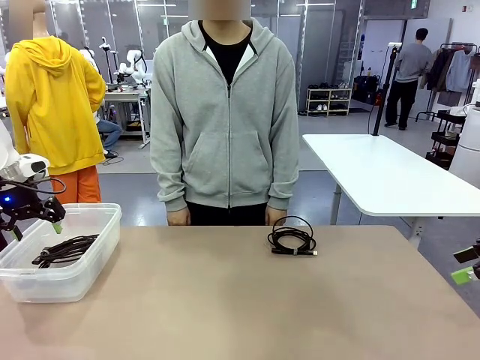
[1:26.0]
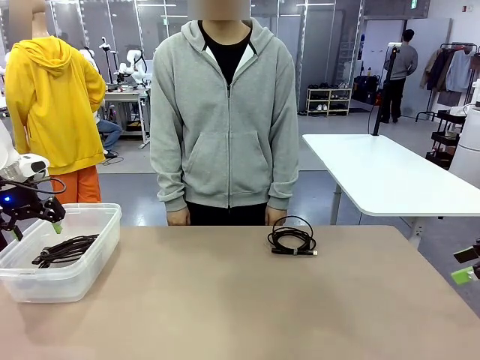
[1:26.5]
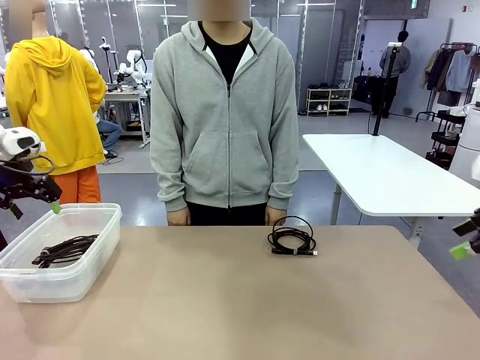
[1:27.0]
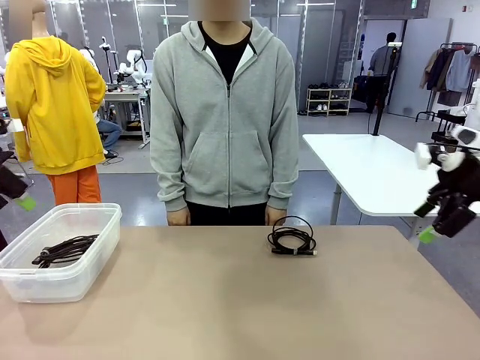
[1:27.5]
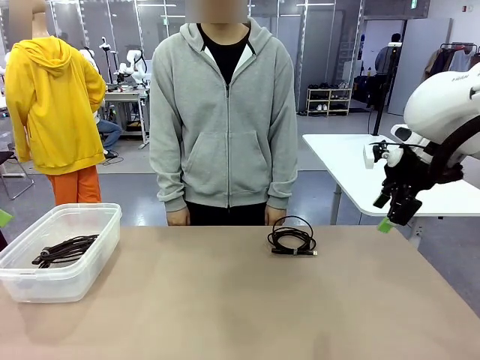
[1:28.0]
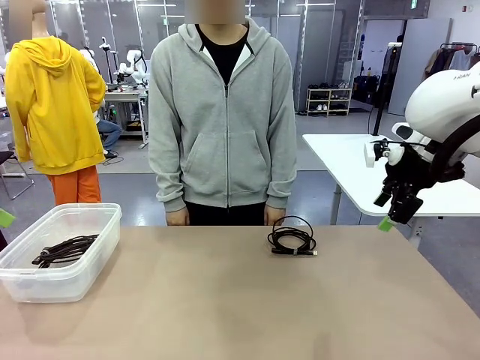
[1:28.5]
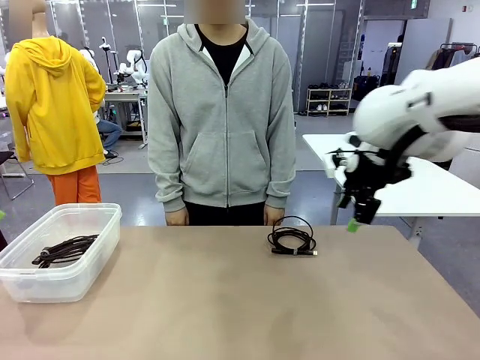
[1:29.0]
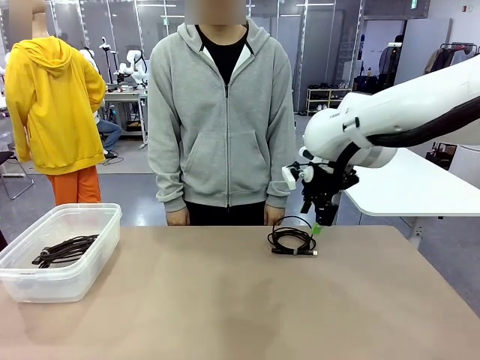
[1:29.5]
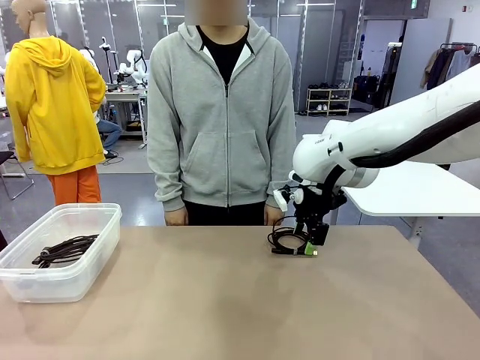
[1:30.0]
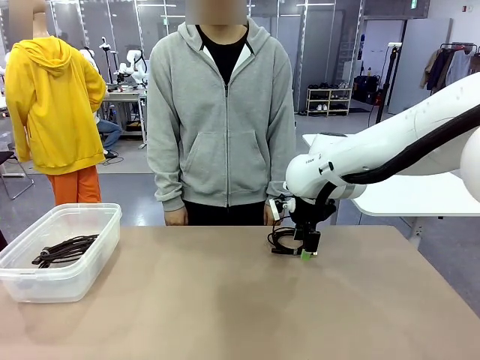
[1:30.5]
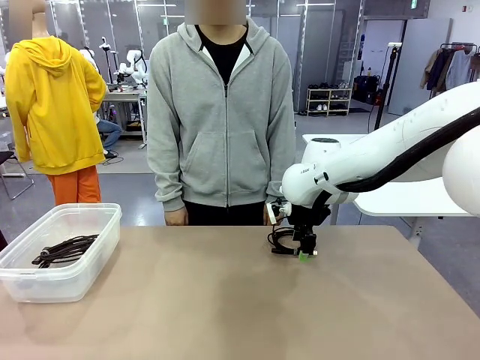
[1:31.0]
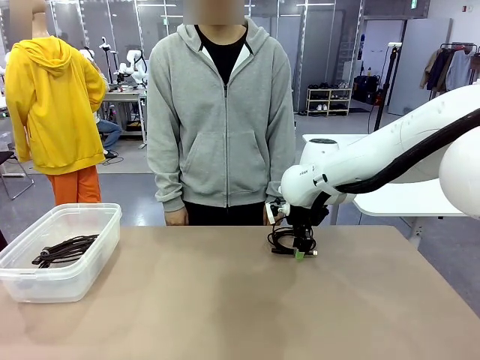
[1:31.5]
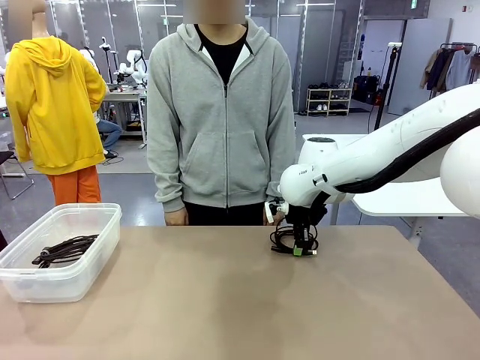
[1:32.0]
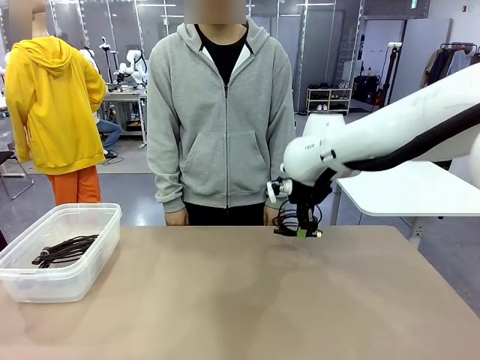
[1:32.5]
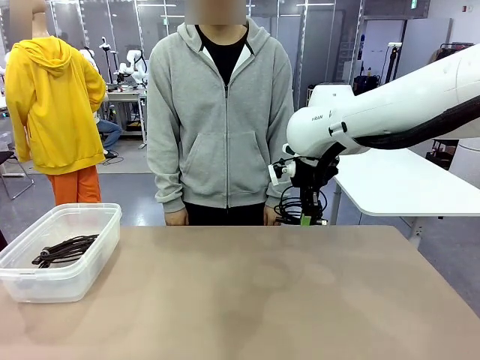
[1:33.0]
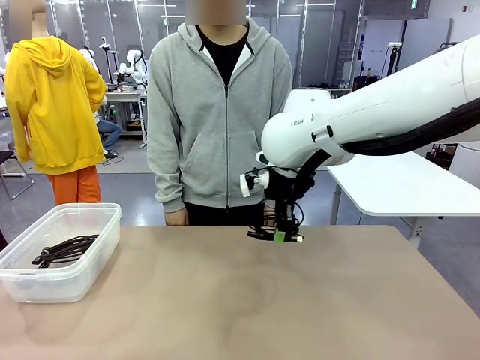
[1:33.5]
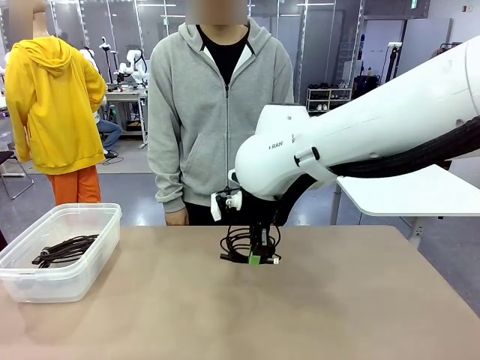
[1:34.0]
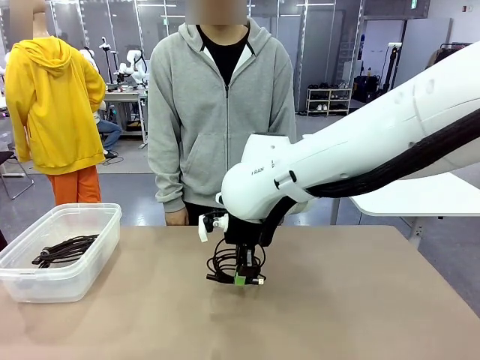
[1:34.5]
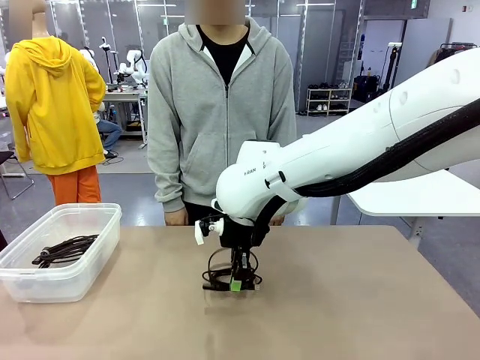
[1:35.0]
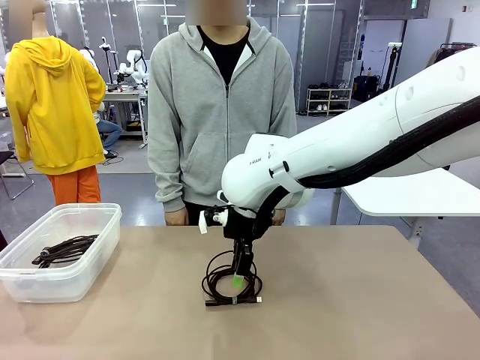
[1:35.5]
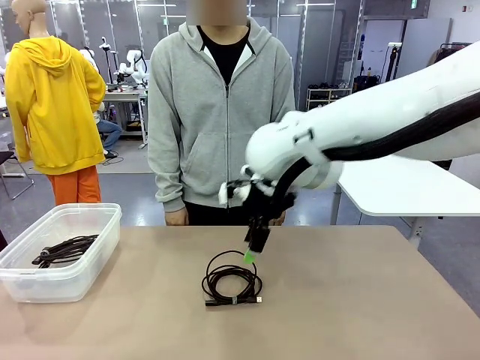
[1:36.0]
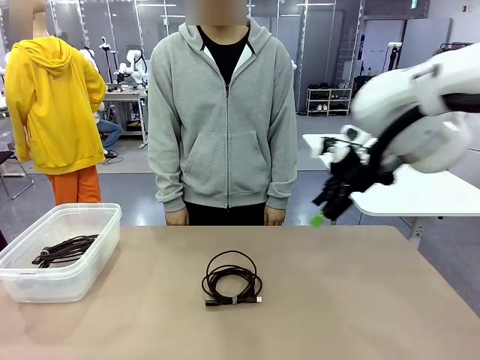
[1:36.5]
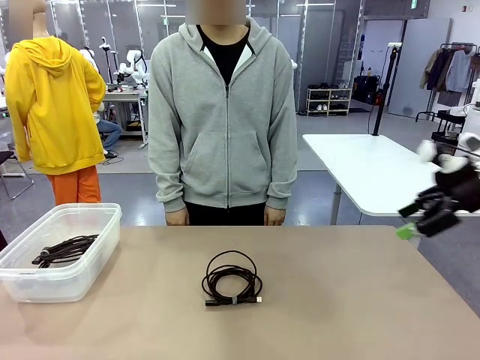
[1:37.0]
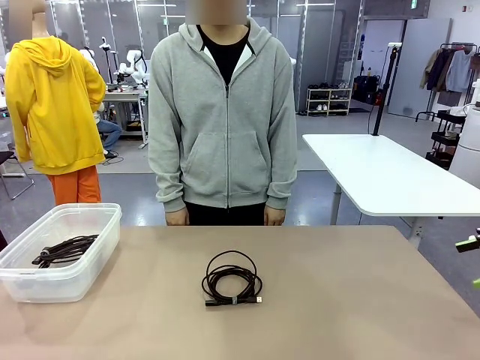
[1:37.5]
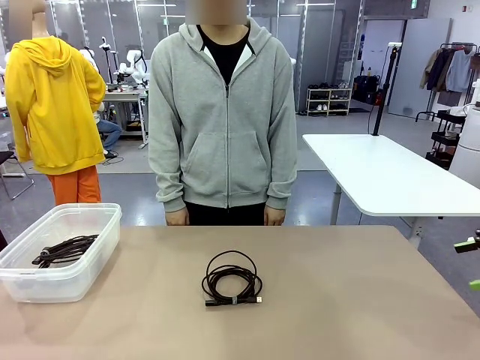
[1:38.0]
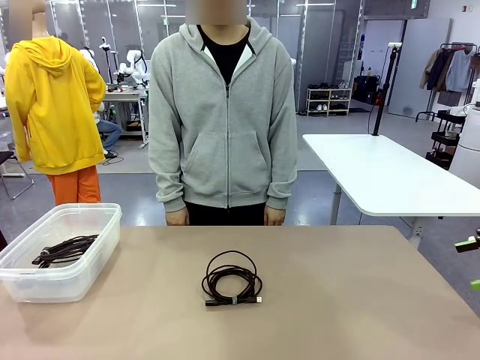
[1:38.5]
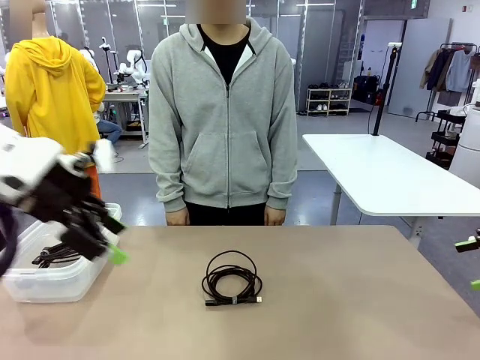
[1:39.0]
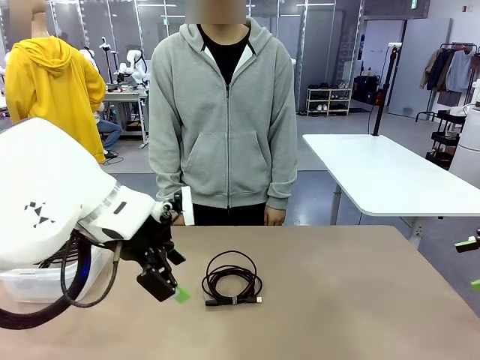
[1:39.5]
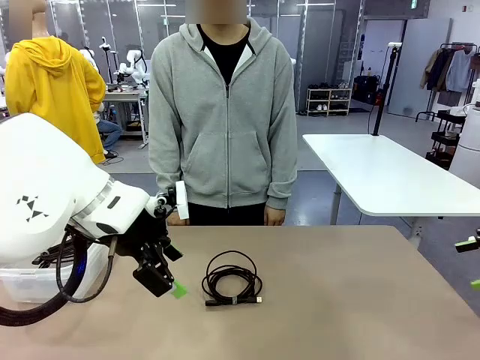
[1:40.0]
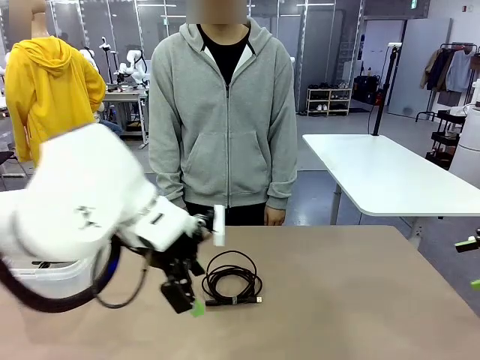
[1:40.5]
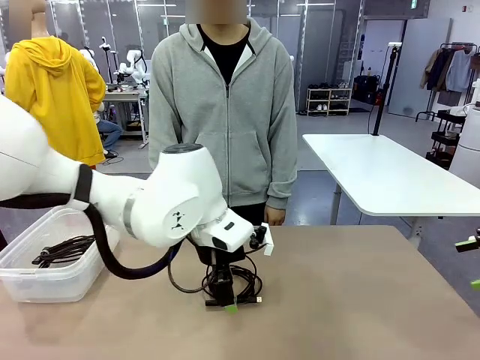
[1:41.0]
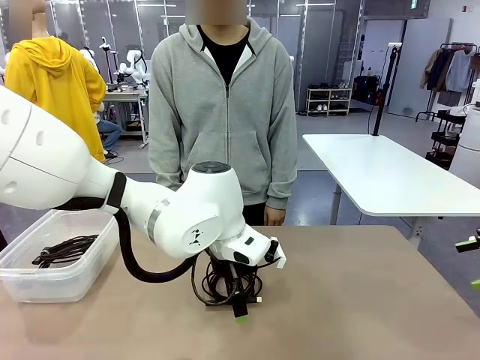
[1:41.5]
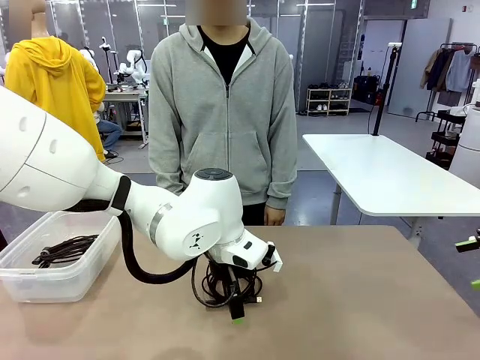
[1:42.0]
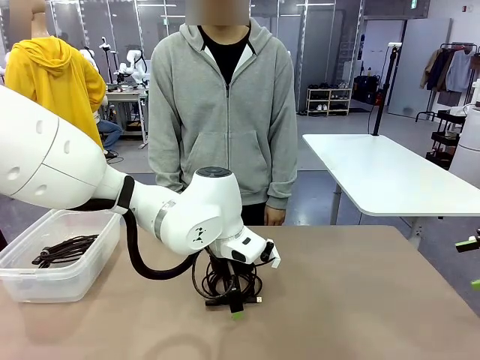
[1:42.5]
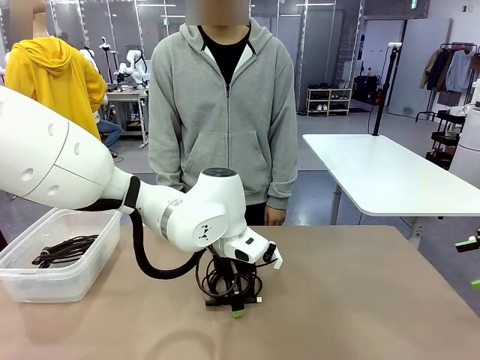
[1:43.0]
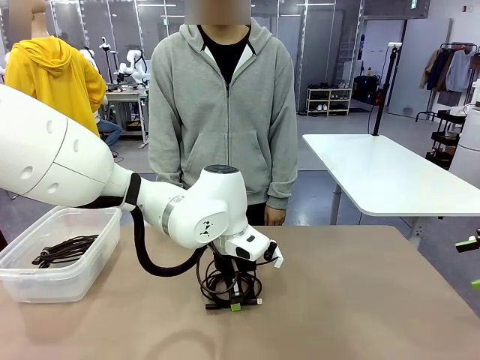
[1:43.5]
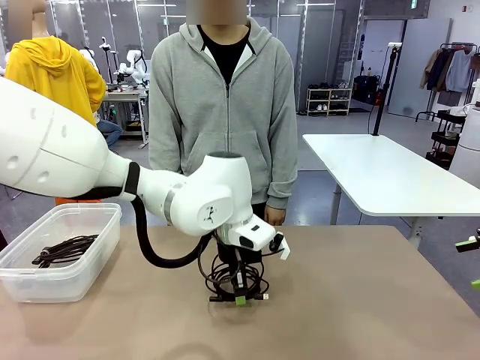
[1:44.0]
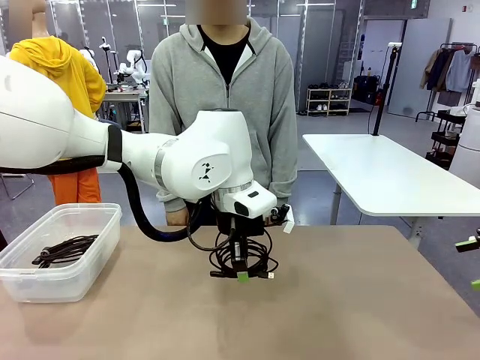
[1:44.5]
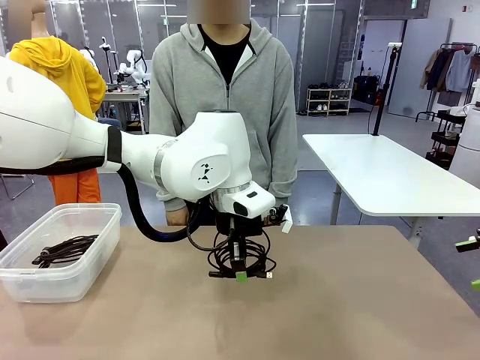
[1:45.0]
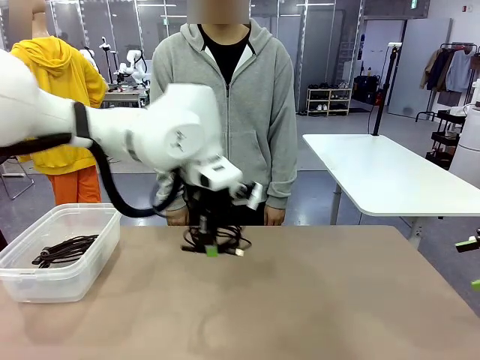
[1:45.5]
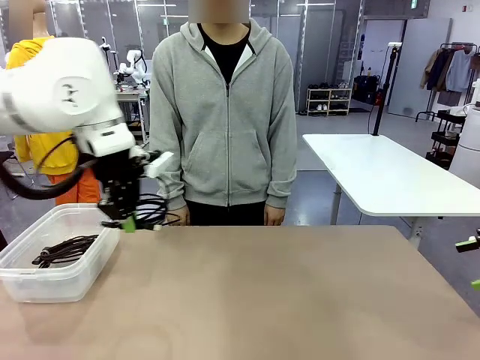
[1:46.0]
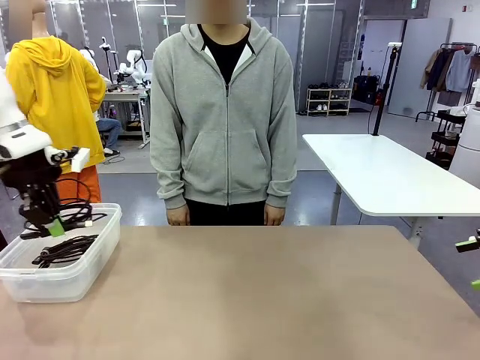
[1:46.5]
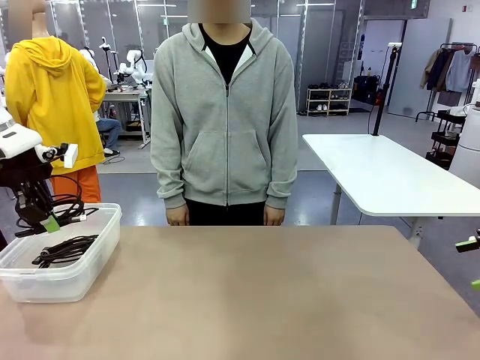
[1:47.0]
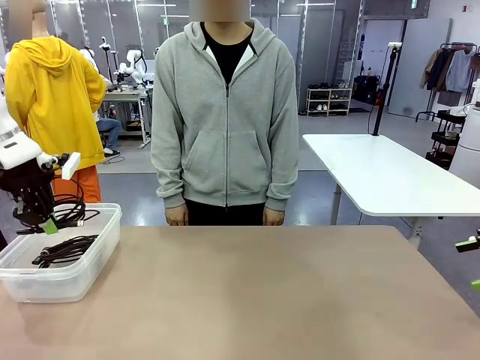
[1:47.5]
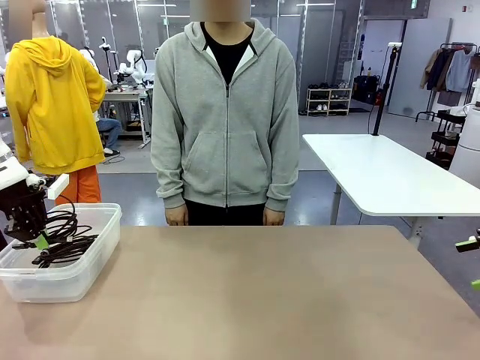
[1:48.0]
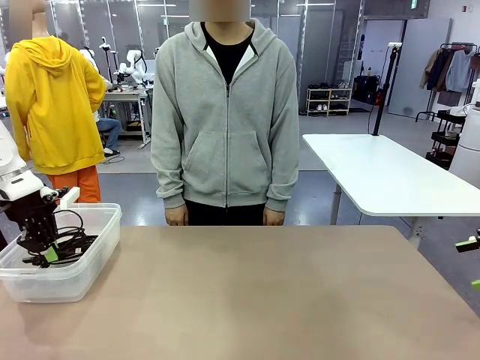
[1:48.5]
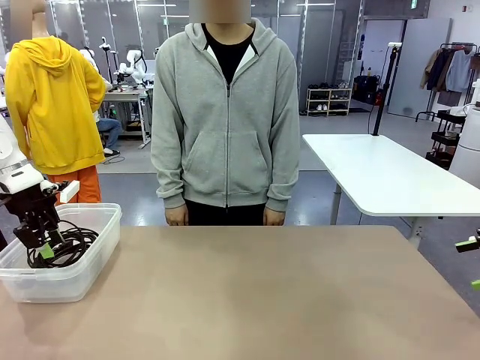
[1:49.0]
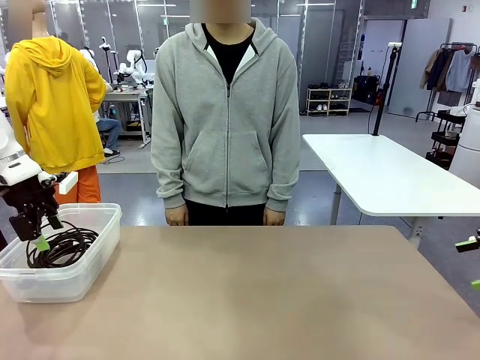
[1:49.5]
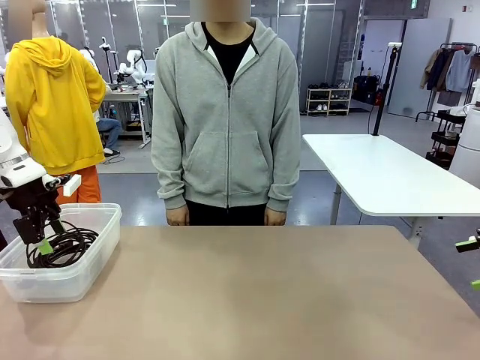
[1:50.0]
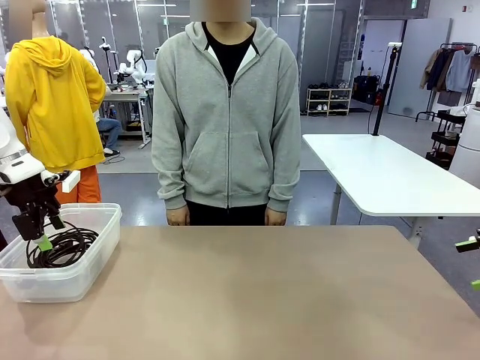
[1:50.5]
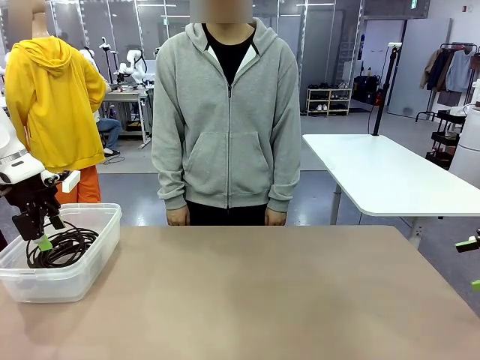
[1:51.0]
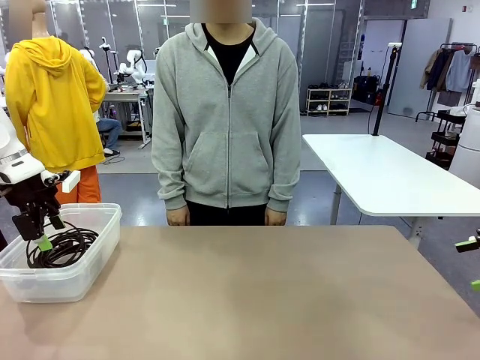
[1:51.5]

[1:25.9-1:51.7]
Task: Organize and store the cables.
Robot: Place the USB Extension Cable into the Organizing box.
